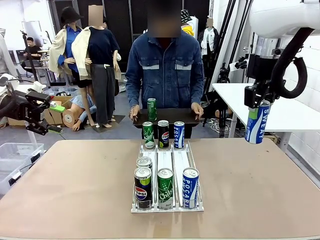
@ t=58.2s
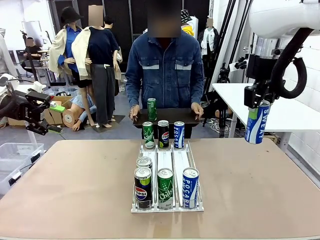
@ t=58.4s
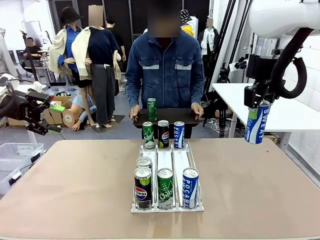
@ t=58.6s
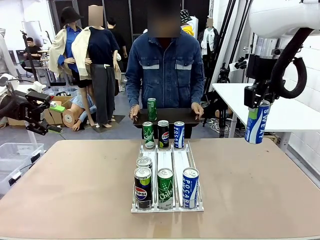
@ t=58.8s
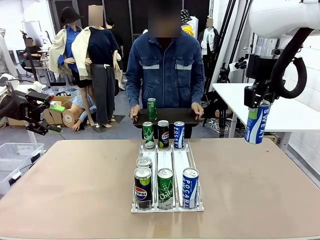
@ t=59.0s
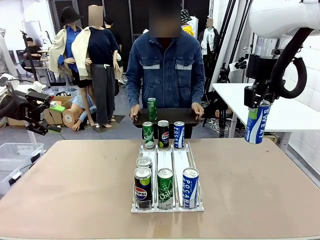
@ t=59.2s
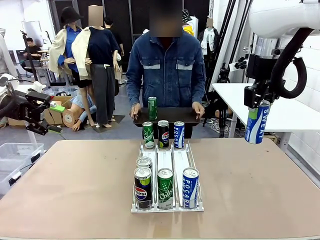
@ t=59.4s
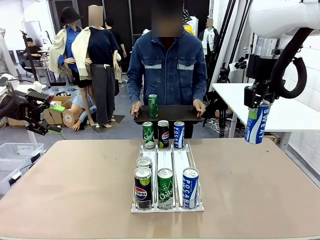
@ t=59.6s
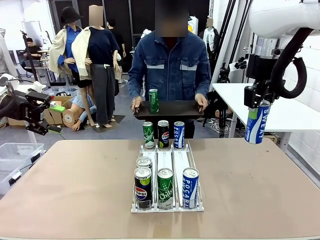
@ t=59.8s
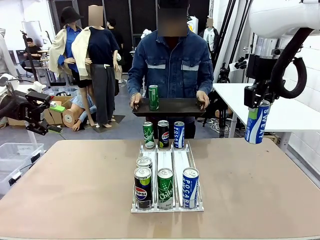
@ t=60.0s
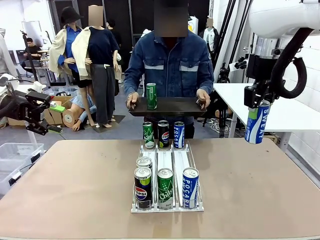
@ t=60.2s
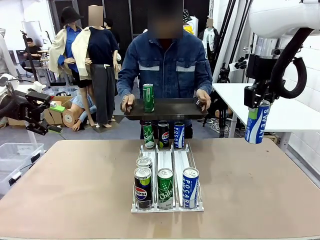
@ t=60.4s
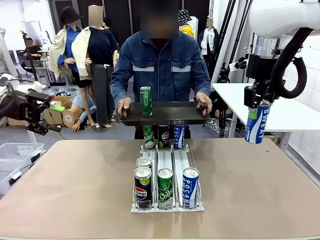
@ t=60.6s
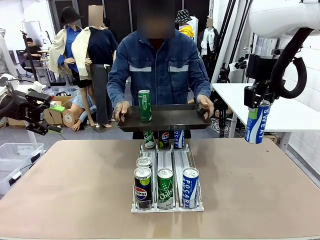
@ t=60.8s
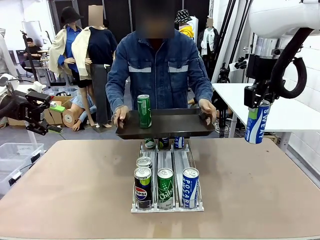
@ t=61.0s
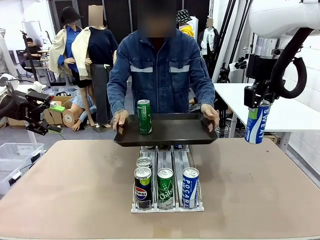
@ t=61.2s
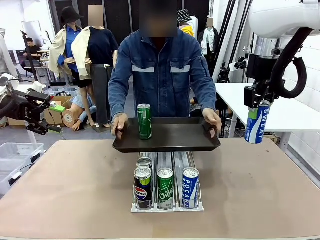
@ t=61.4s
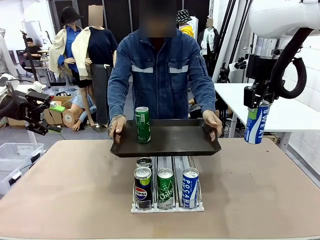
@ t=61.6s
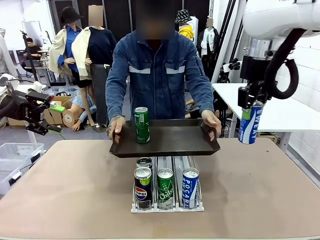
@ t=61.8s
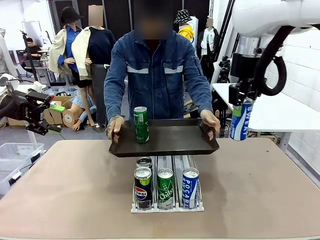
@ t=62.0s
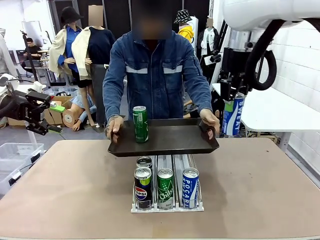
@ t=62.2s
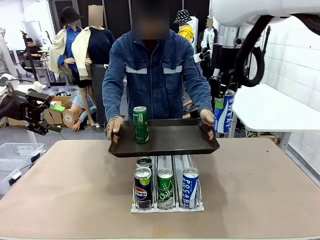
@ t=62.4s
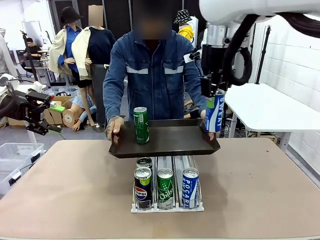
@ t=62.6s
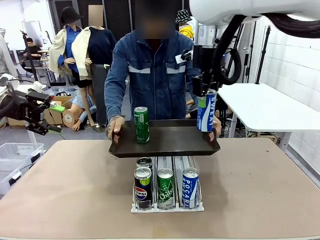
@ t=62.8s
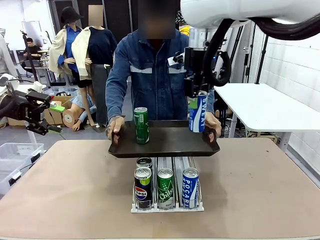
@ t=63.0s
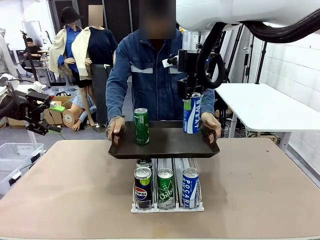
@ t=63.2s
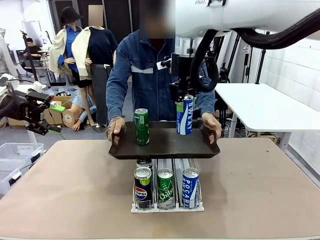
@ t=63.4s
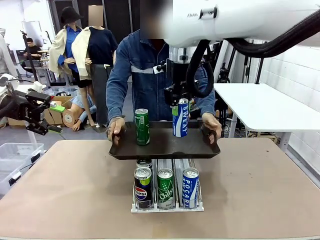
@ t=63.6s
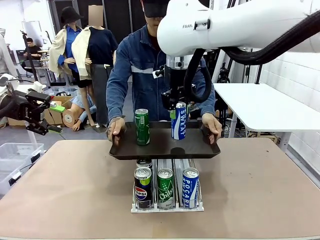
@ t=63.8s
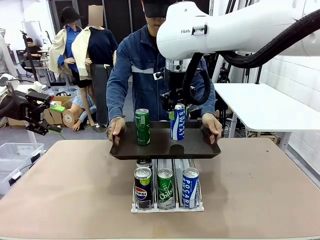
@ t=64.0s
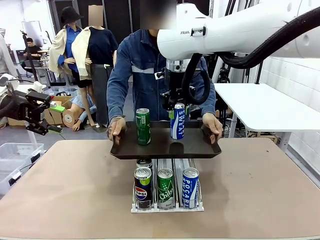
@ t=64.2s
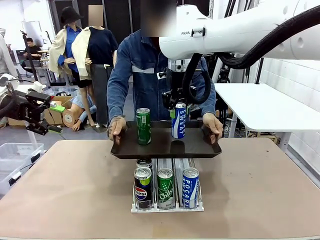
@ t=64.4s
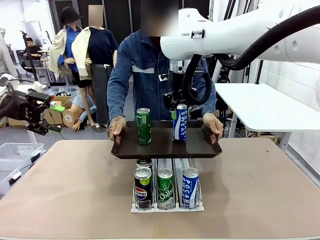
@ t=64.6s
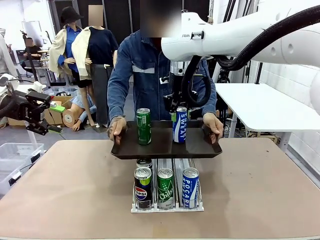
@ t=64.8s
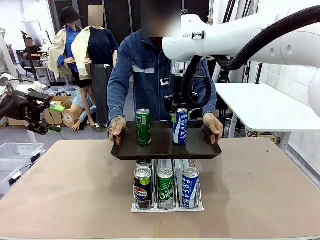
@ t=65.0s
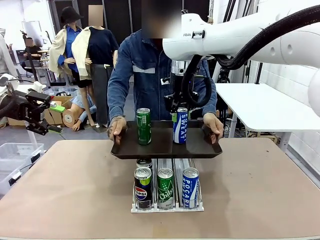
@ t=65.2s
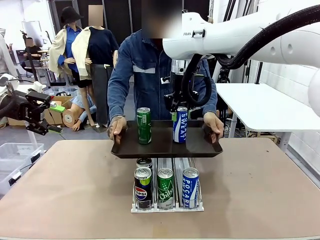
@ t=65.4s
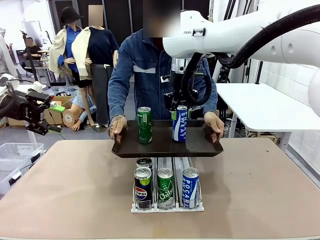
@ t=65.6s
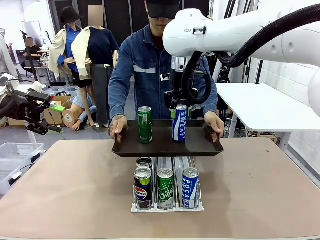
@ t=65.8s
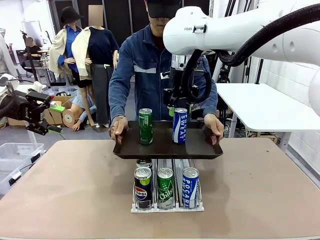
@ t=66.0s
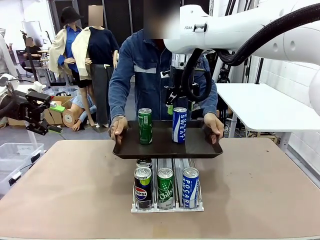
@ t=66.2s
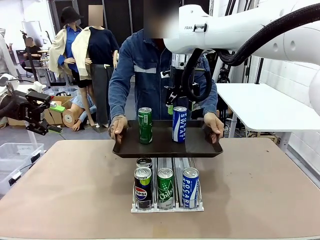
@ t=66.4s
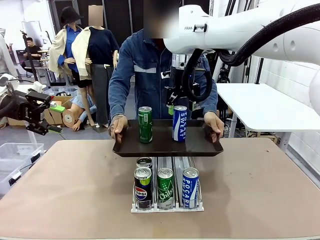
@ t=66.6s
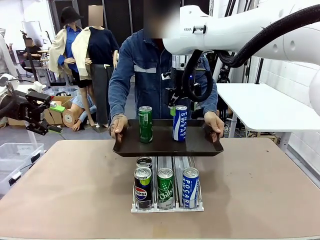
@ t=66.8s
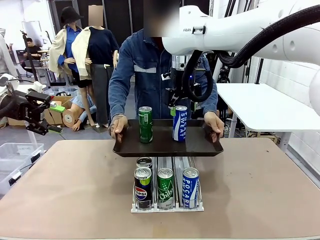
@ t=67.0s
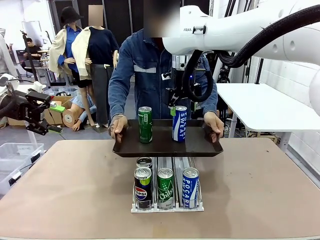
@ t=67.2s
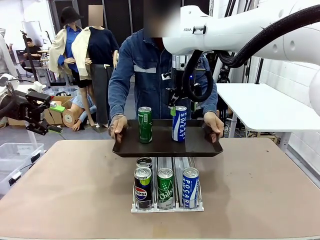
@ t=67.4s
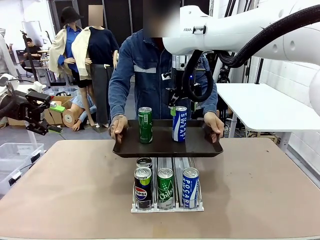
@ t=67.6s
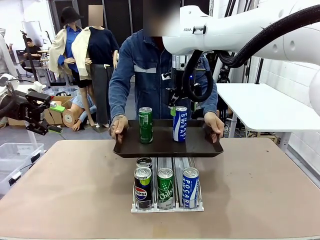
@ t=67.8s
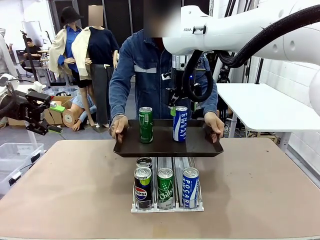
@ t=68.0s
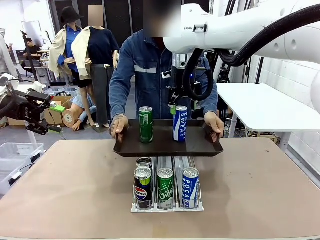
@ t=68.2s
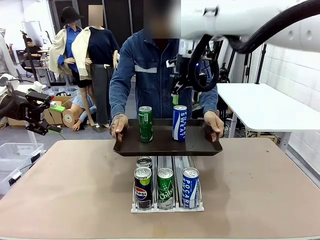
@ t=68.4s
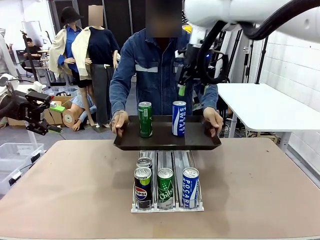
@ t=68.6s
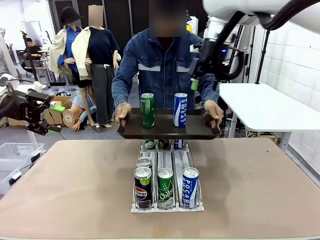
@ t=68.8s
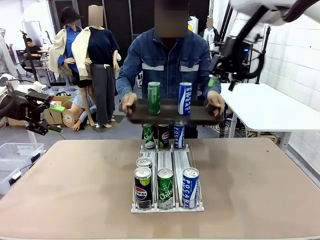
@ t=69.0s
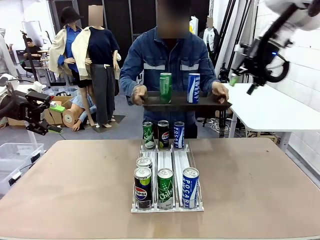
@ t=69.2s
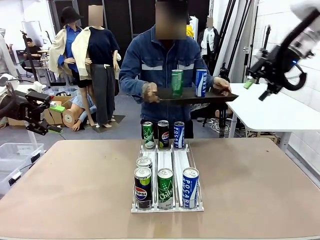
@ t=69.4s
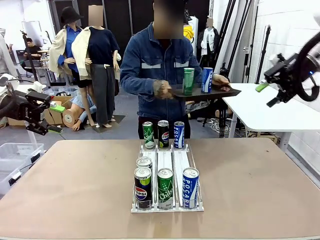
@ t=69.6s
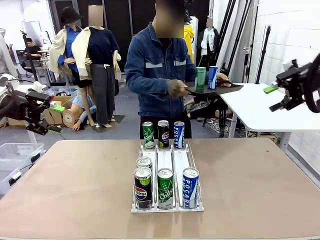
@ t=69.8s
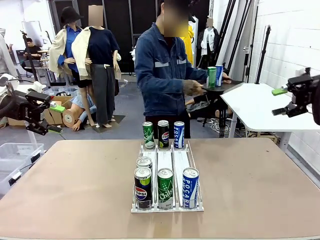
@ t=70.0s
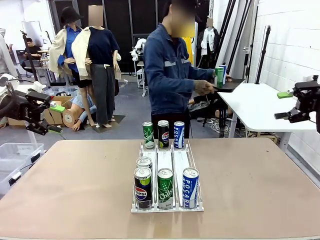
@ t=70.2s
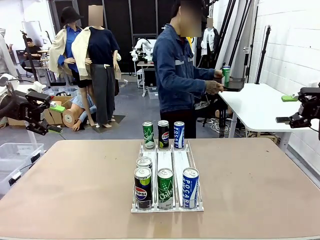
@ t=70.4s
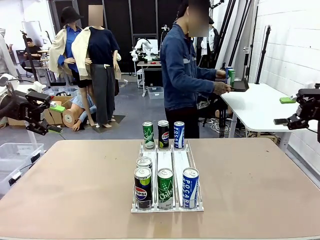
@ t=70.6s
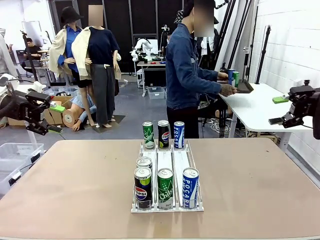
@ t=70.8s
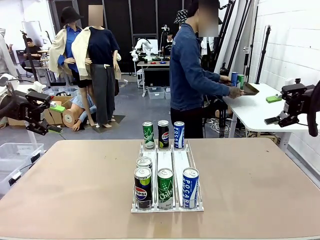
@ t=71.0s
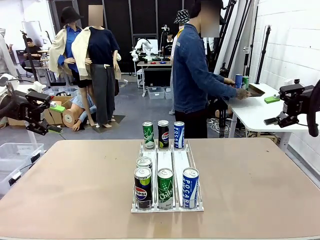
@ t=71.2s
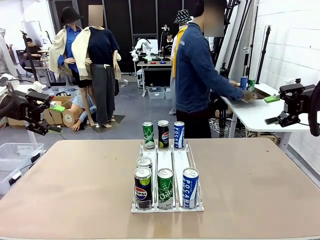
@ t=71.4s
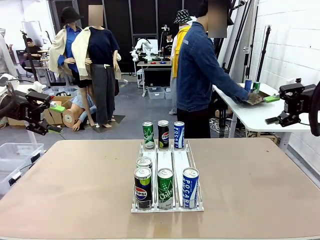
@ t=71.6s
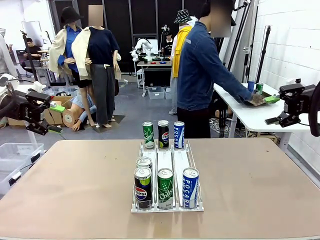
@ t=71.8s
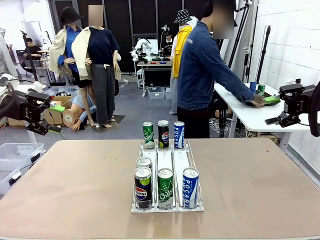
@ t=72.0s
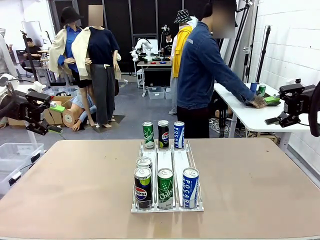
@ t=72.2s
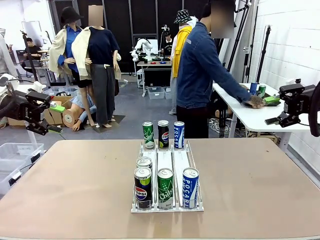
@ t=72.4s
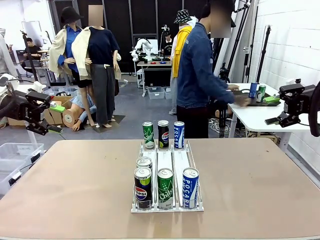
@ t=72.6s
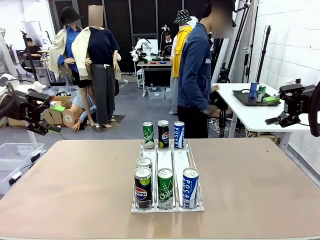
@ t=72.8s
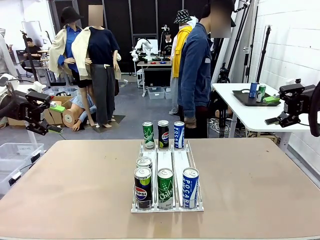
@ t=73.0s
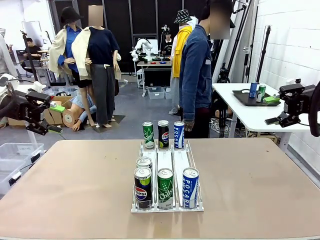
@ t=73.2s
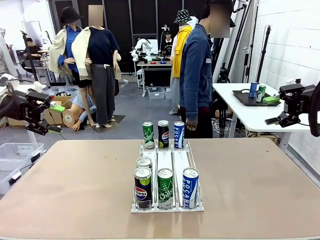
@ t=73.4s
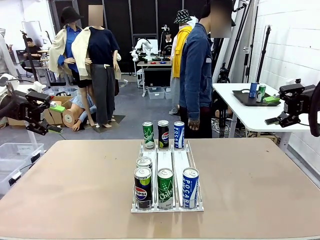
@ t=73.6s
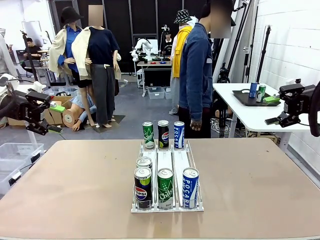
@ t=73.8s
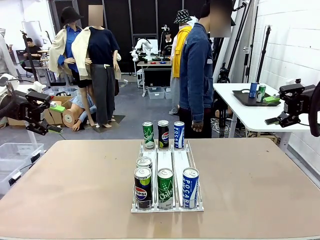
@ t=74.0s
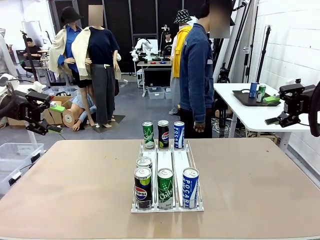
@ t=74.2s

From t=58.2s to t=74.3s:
Task: Retrieve and hand over the desired beverage to the person.
Robot: Place the picked can on the Handle tray extended by the person.
Person: Pull the tray back and place it at the center of the human table.
